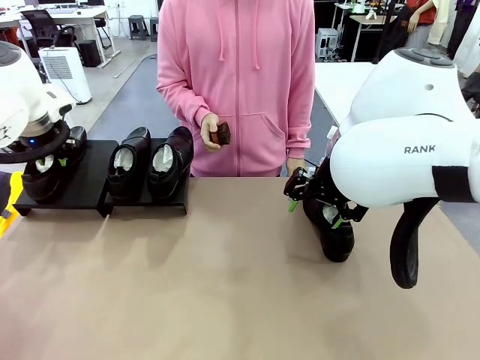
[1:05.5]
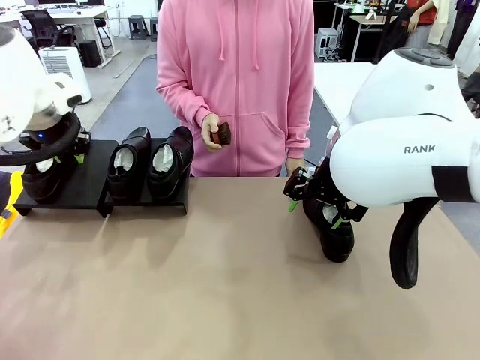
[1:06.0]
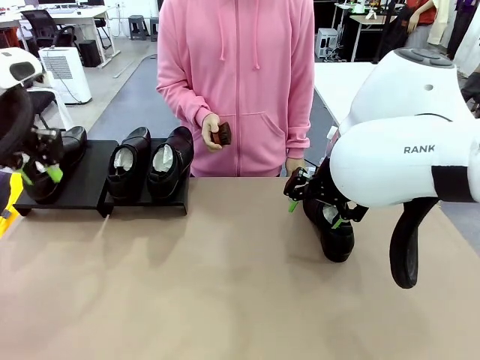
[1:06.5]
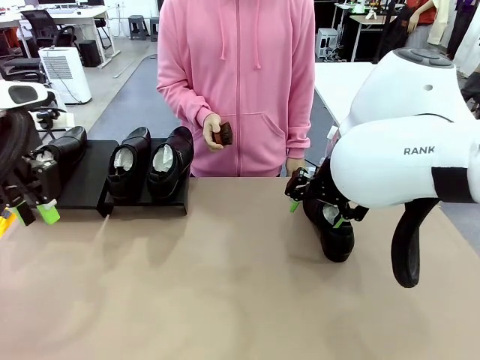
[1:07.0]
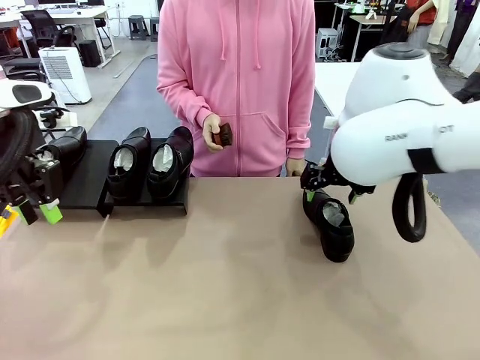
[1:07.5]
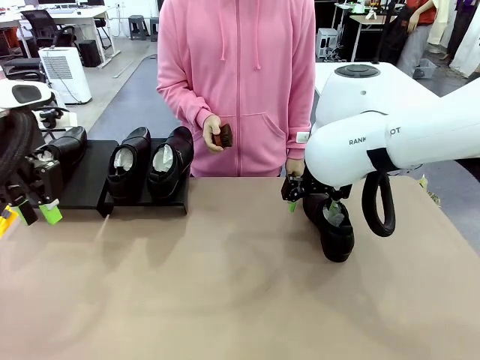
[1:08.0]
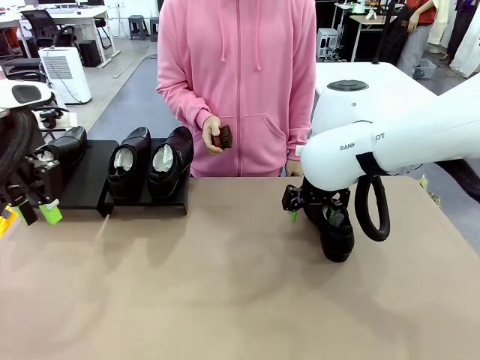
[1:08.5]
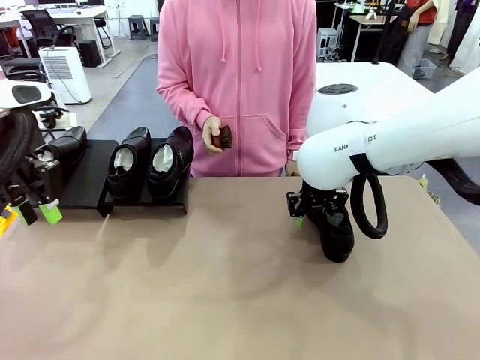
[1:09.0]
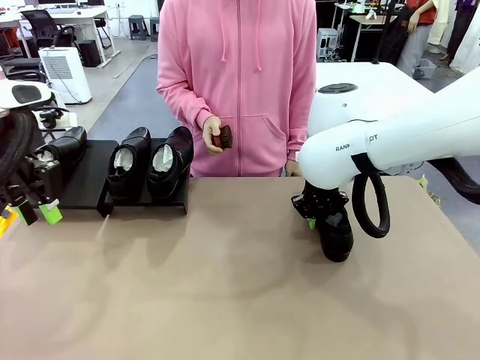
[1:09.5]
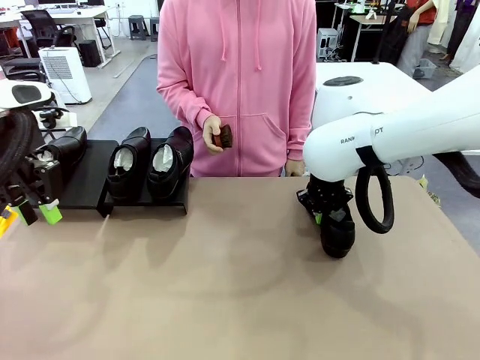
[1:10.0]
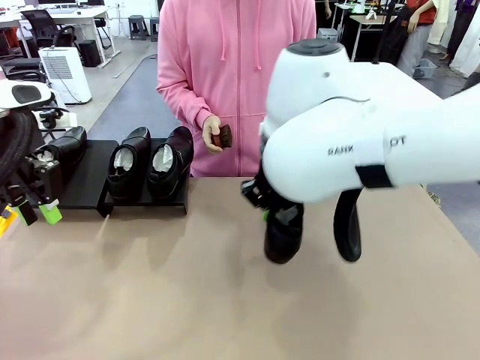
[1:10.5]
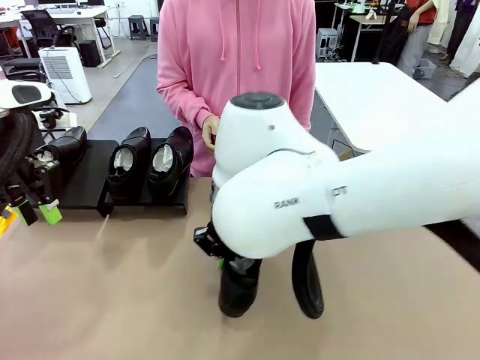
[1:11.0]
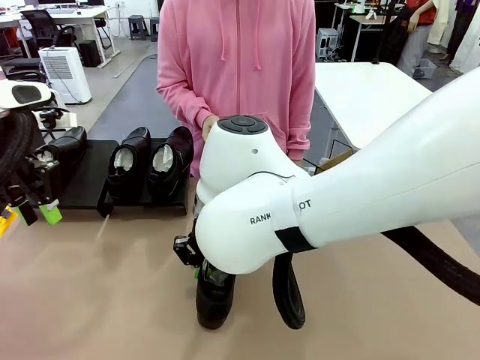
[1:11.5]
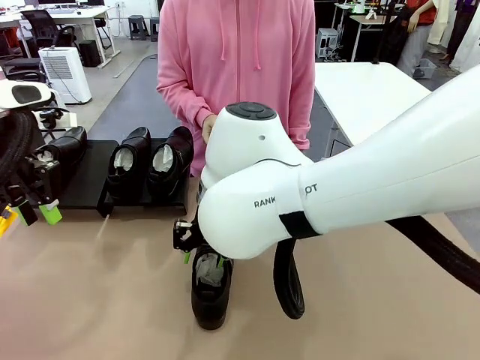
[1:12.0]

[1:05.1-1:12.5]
Task: Organize the shoes by placing them on the stand.
Robot: Pick up one Shoe and place it in the middle of the table.

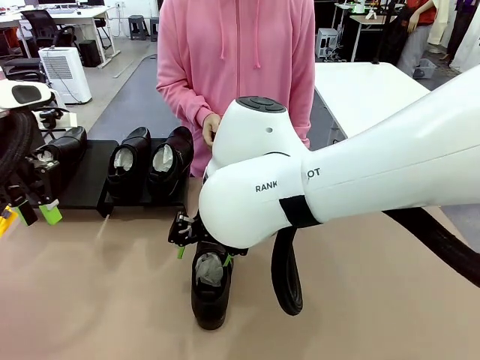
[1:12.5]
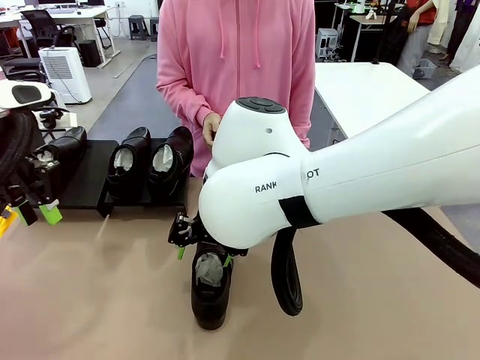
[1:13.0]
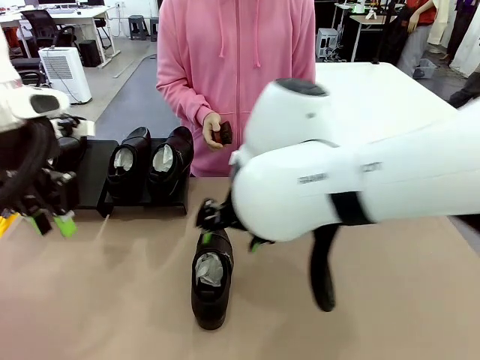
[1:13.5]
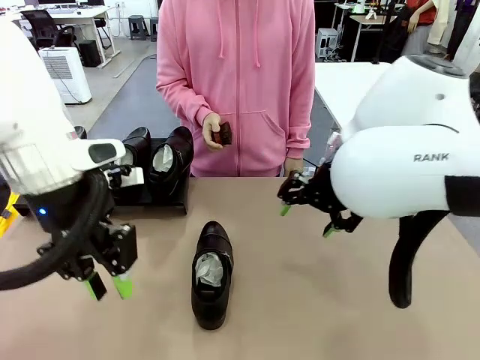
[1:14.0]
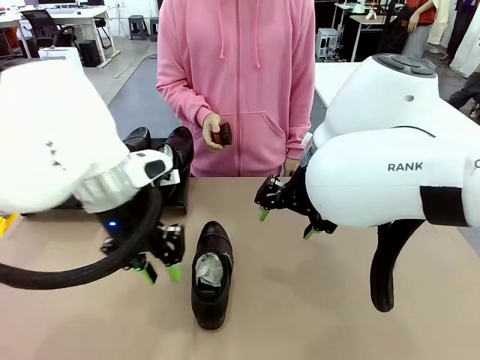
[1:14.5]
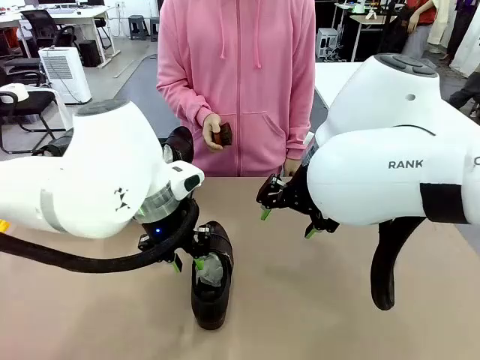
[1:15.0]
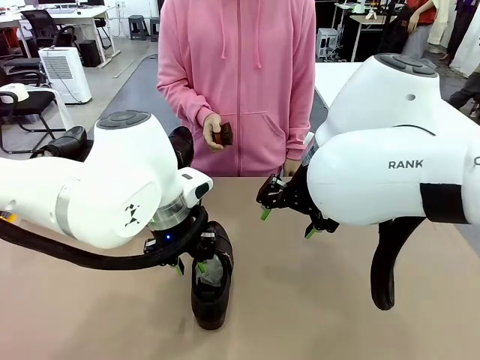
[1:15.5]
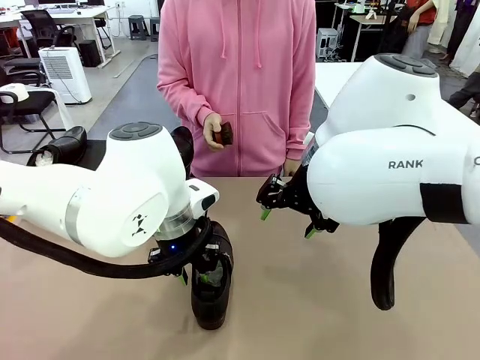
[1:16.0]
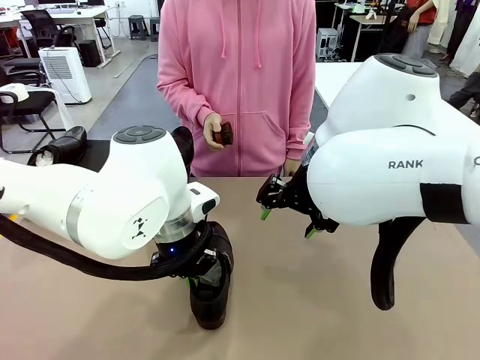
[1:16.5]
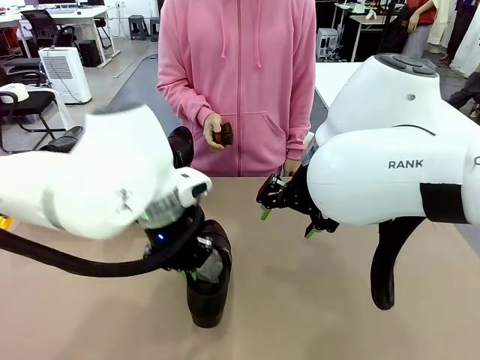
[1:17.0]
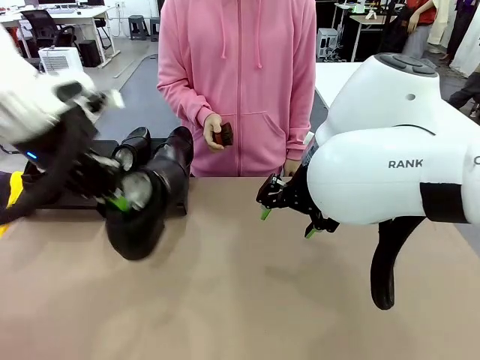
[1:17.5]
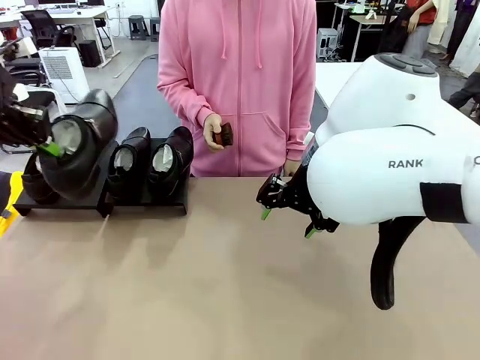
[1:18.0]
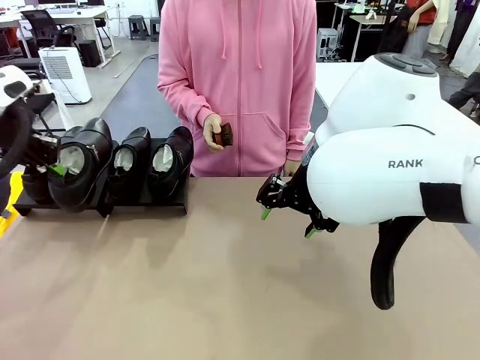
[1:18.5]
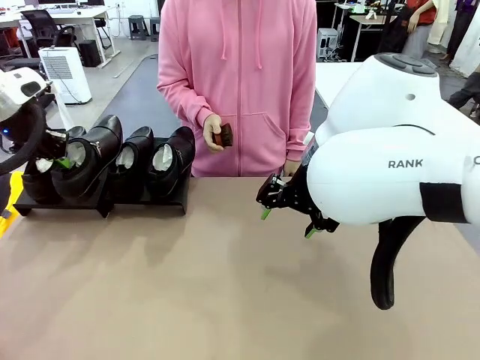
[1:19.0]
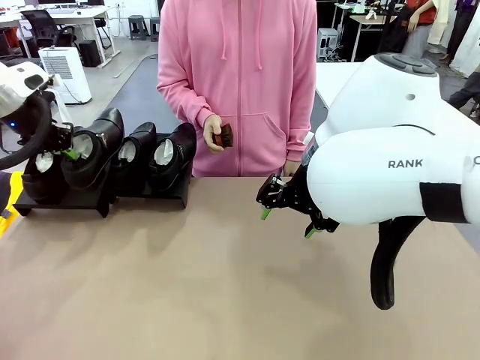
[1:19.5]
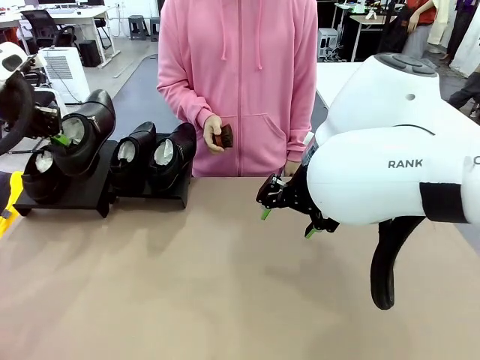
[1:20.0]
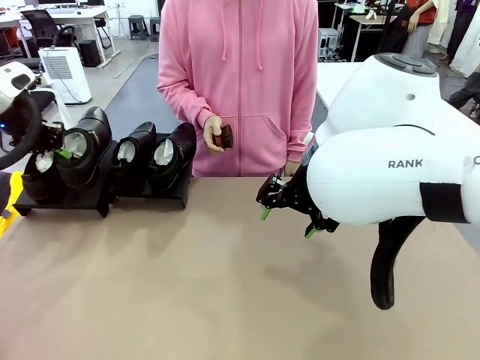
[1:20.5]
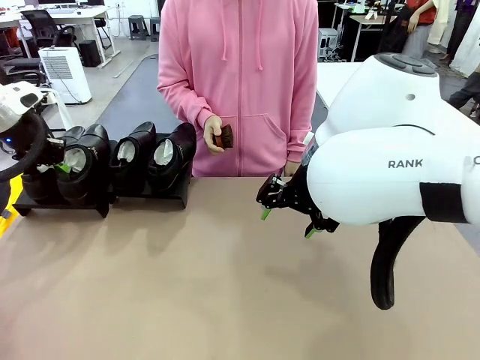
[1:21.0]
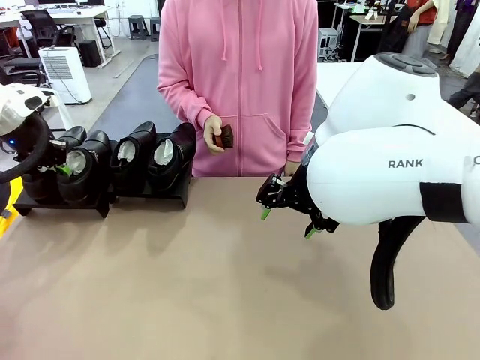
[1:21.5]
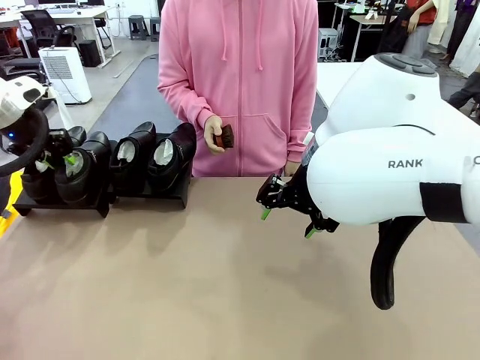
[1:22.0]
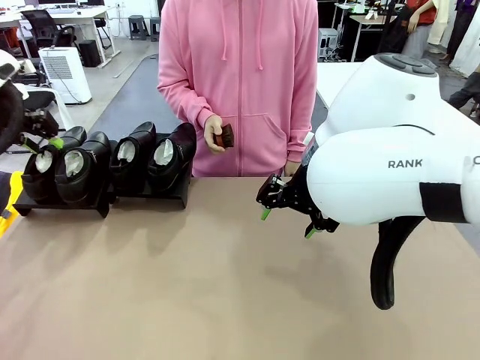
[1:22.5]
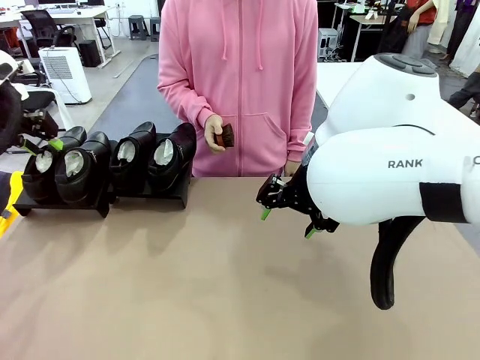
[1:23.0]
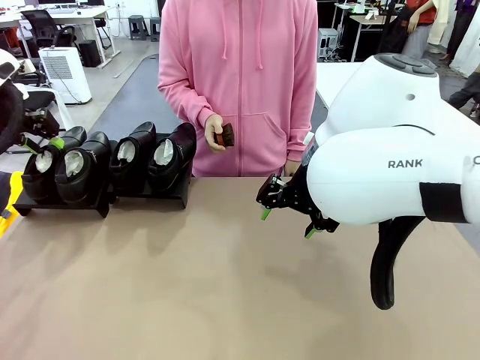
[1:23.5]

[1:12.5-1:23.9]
Robot: Place the Shoe from the middle of the table onto the Shoes Stand.

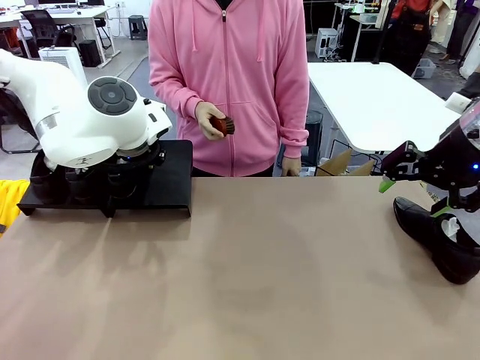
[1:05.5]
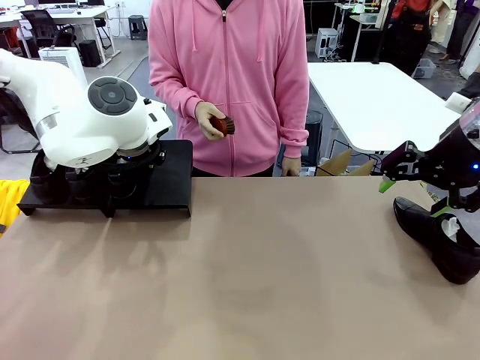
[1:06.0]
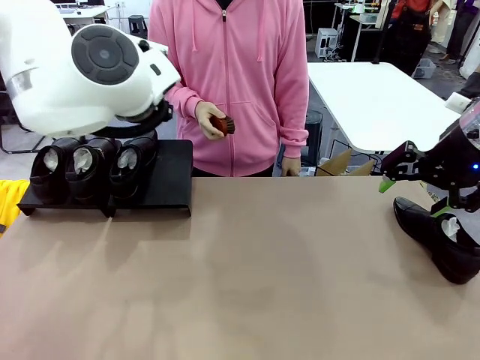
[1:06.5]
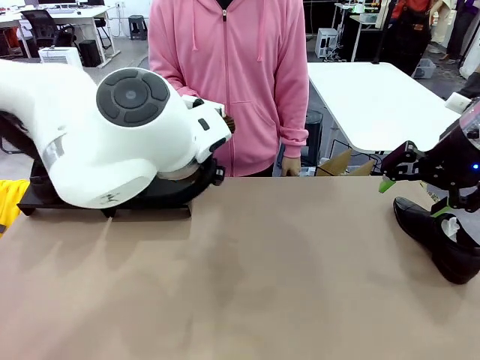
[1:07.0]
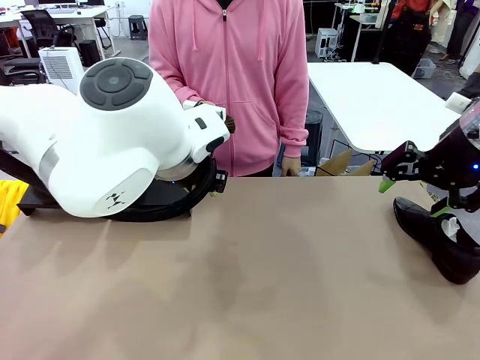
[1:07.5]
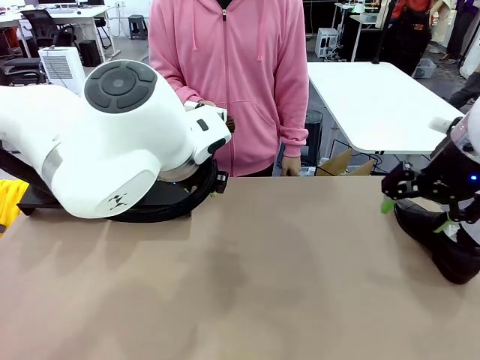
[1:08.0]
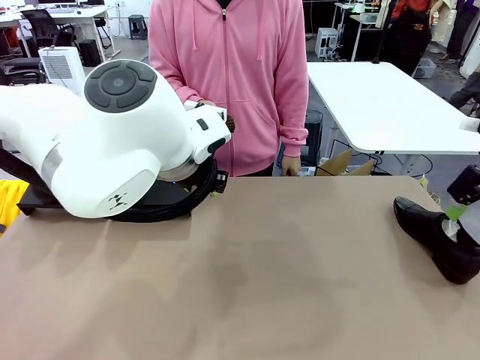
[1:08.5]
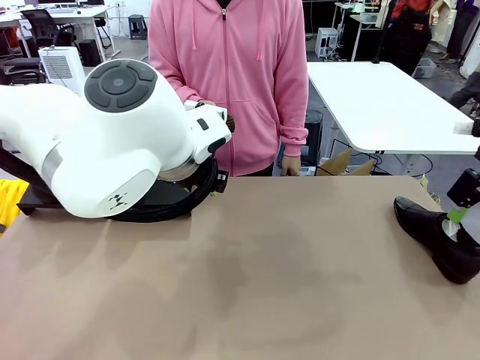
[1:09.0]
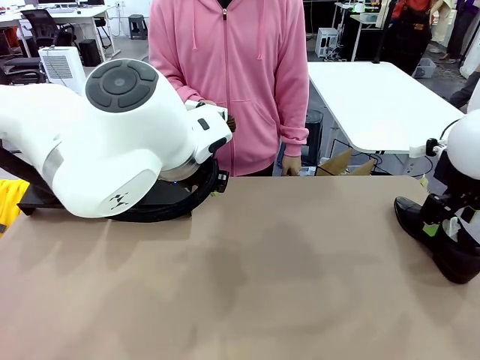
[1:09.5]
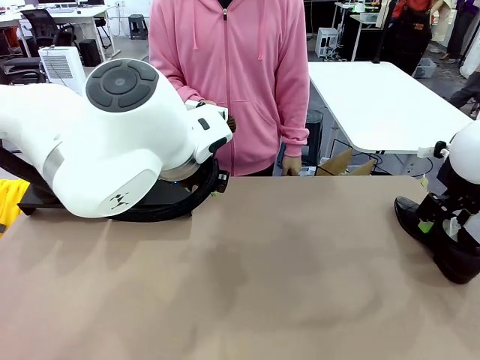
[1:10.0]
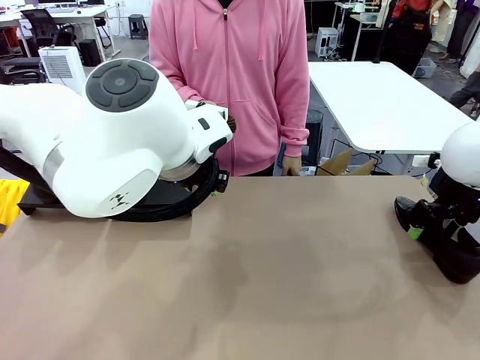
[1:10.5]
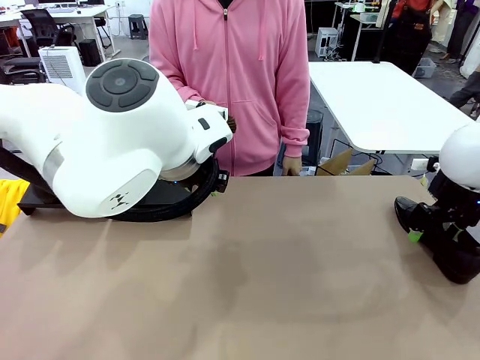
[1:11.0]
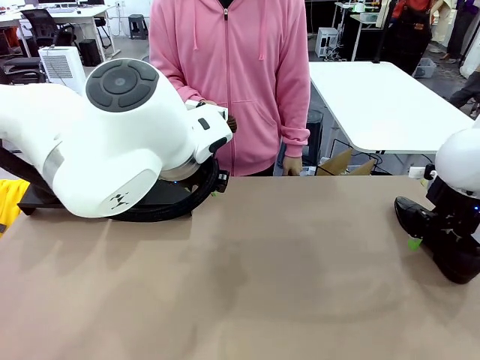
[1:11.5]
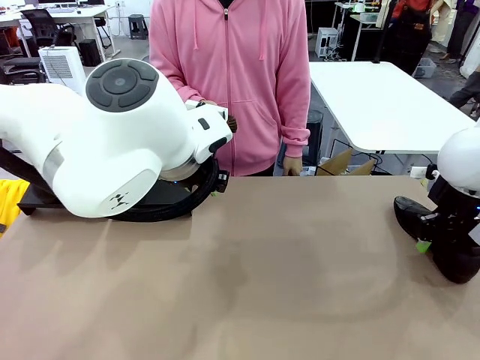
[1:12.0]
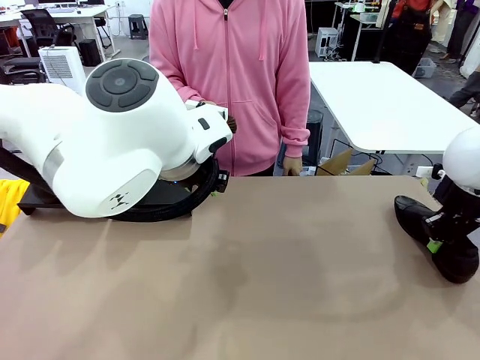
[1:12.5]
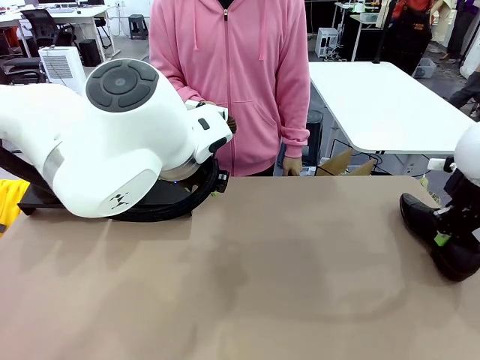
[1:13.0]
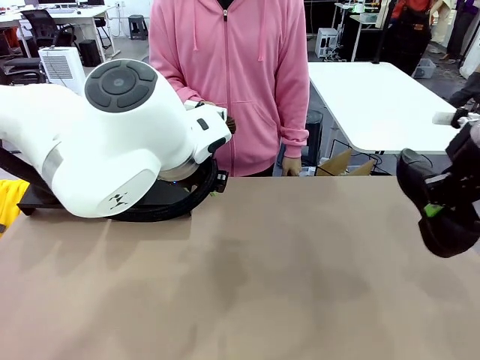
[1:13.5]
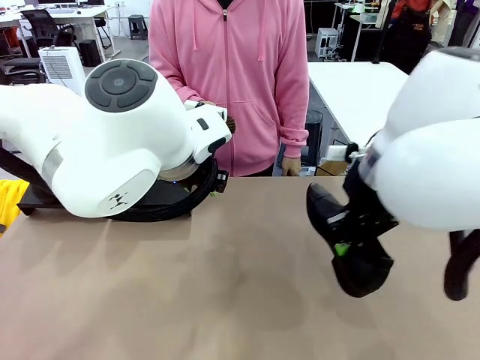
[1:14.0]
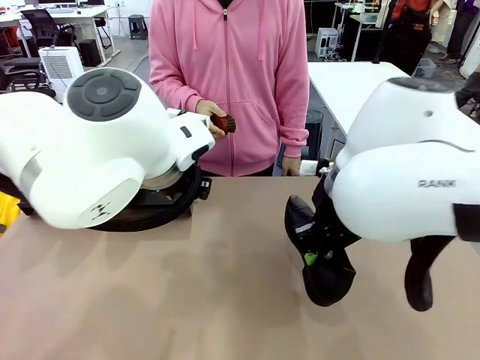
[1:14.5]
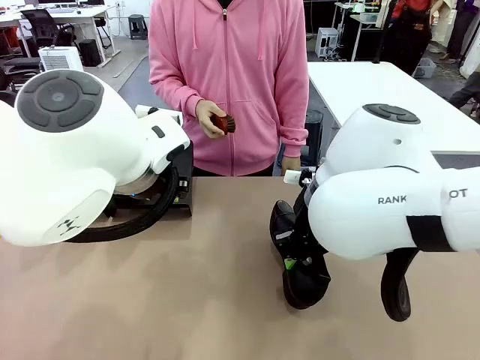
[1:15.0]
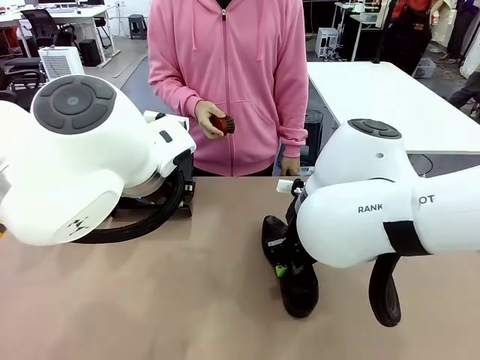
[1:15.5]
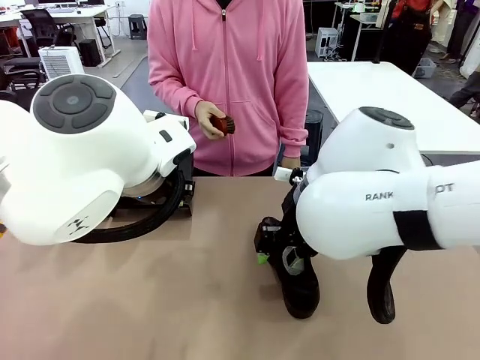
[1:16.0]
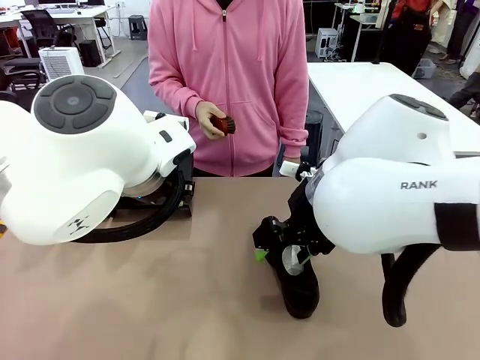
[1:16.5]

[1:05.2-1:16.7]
Task: Organize the shoes by placing them on the stand.
Robot: Pick up one Shoe and place it in the middle of the table.
